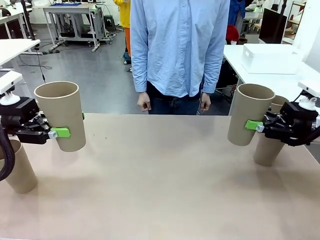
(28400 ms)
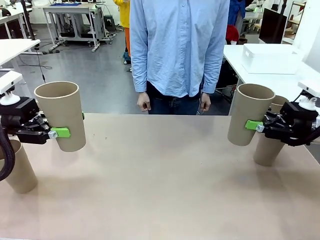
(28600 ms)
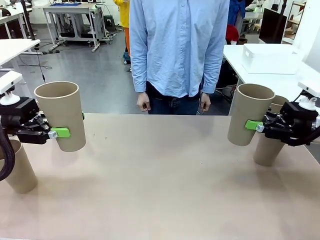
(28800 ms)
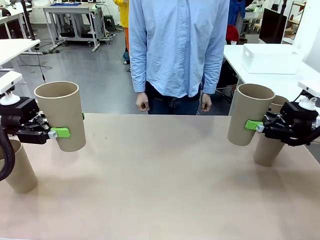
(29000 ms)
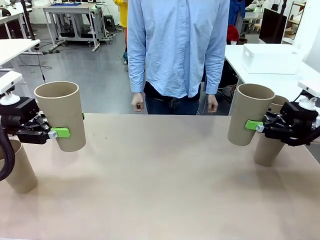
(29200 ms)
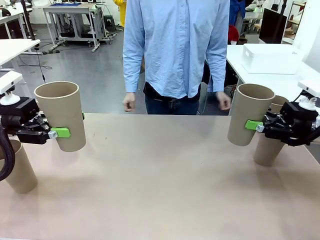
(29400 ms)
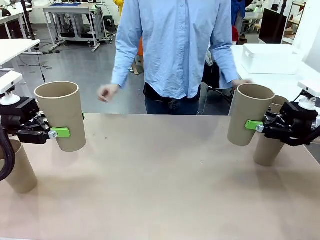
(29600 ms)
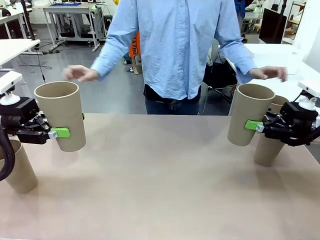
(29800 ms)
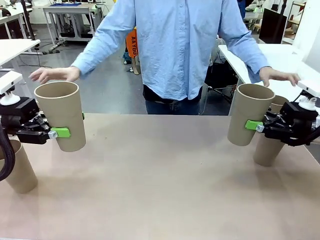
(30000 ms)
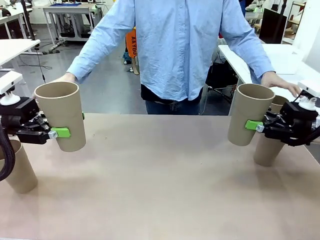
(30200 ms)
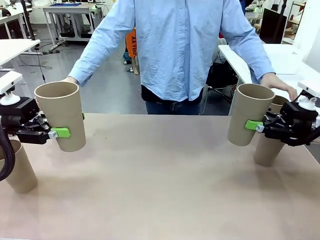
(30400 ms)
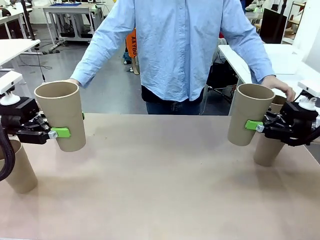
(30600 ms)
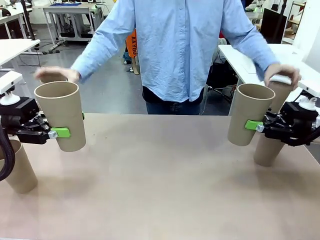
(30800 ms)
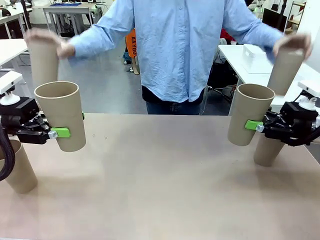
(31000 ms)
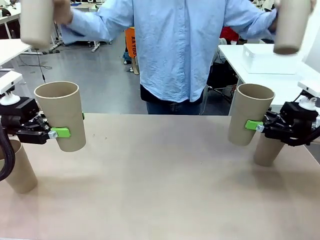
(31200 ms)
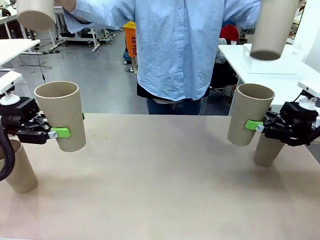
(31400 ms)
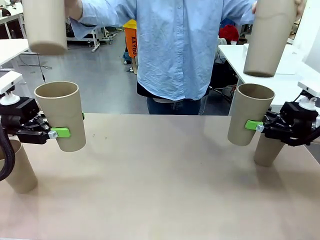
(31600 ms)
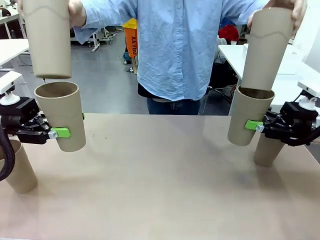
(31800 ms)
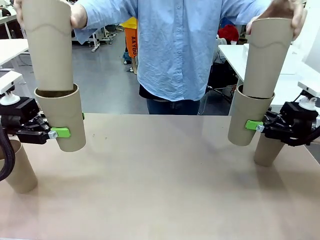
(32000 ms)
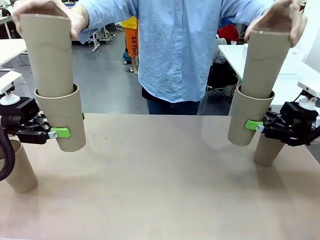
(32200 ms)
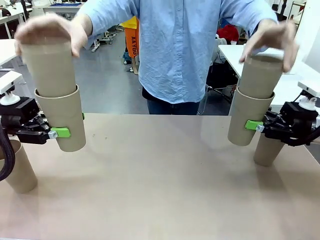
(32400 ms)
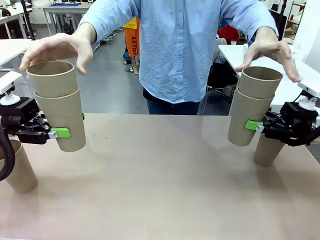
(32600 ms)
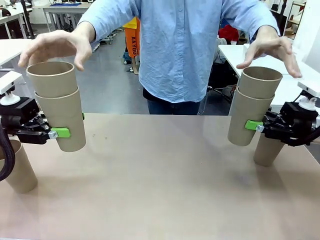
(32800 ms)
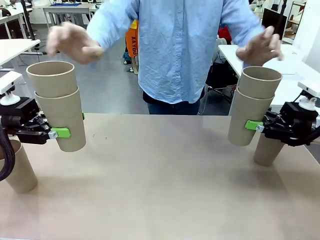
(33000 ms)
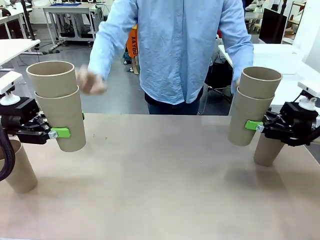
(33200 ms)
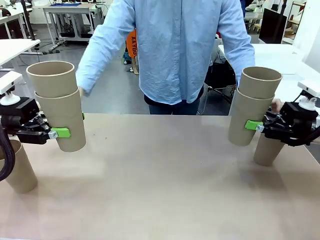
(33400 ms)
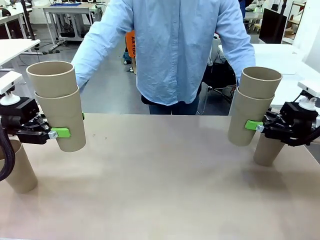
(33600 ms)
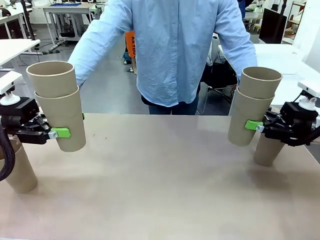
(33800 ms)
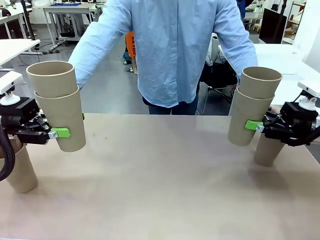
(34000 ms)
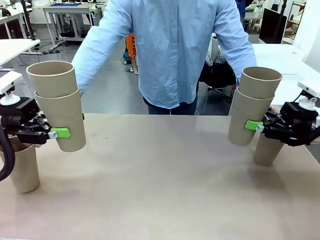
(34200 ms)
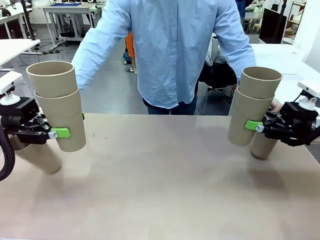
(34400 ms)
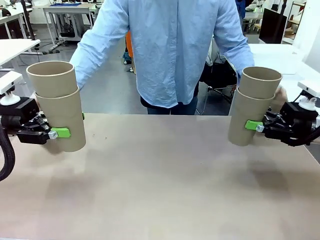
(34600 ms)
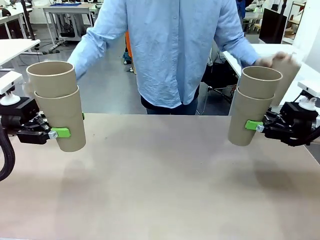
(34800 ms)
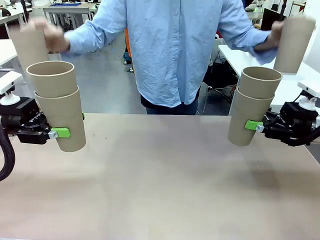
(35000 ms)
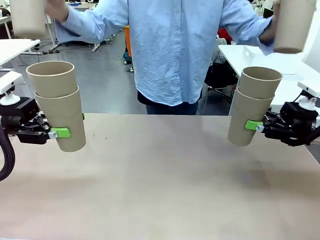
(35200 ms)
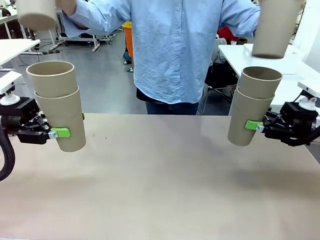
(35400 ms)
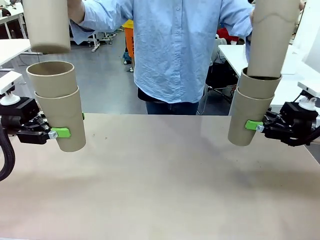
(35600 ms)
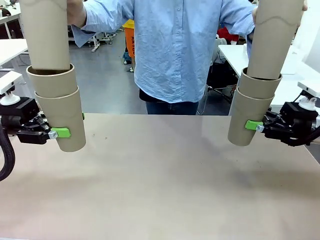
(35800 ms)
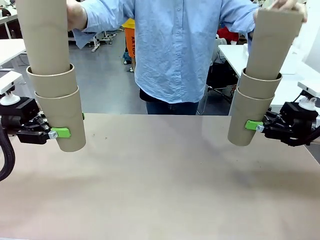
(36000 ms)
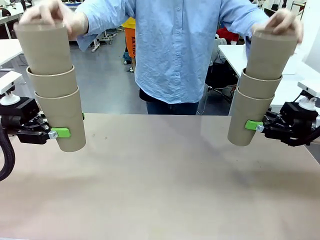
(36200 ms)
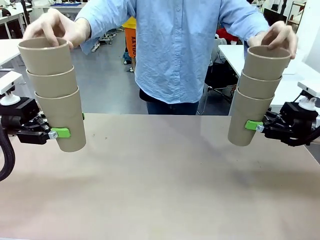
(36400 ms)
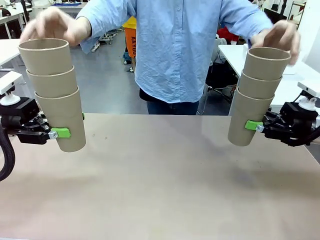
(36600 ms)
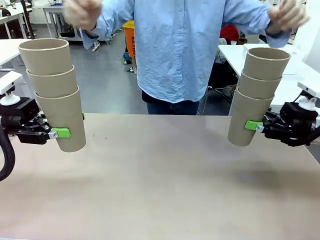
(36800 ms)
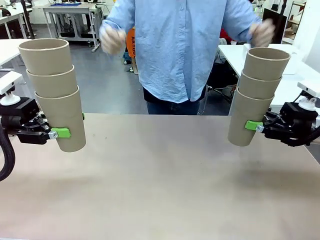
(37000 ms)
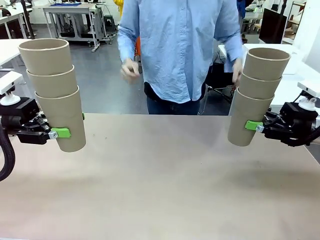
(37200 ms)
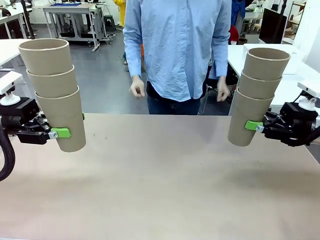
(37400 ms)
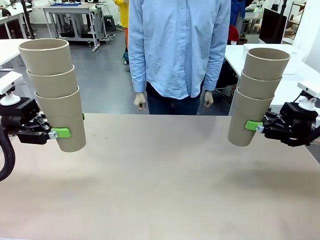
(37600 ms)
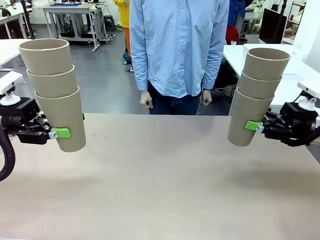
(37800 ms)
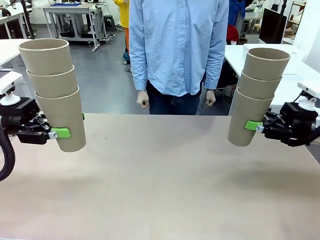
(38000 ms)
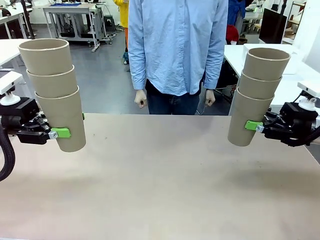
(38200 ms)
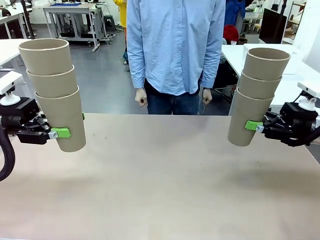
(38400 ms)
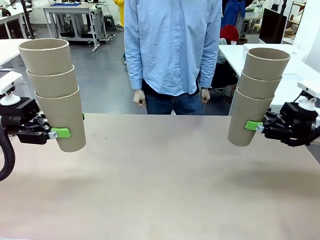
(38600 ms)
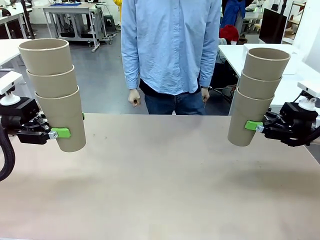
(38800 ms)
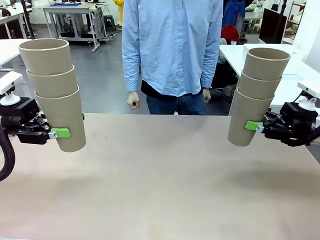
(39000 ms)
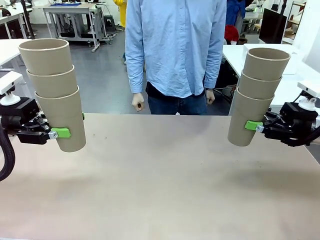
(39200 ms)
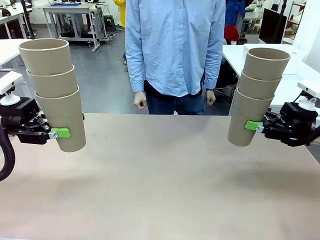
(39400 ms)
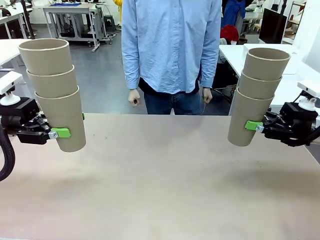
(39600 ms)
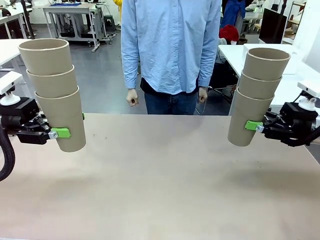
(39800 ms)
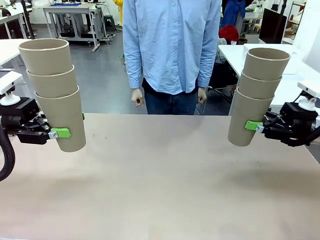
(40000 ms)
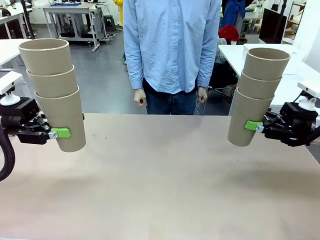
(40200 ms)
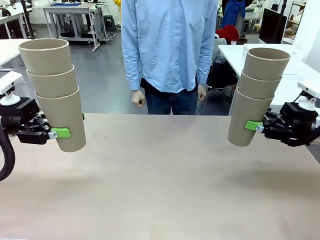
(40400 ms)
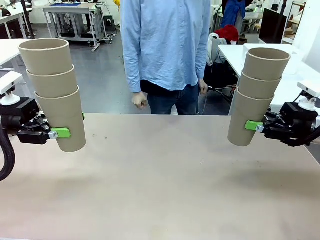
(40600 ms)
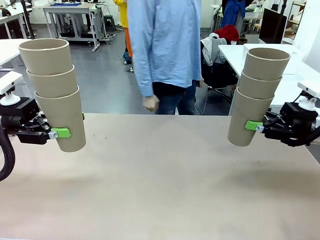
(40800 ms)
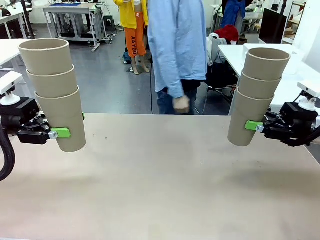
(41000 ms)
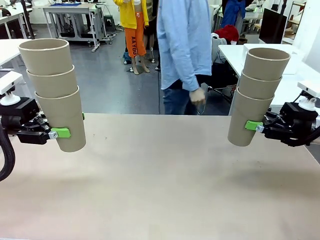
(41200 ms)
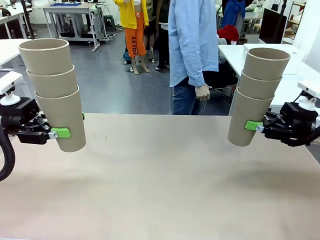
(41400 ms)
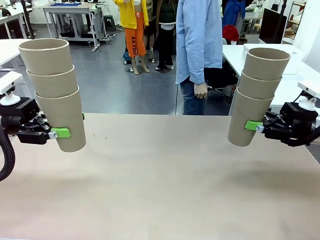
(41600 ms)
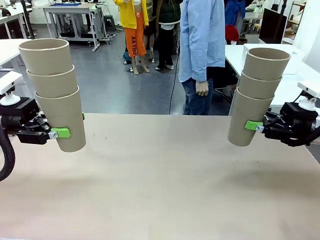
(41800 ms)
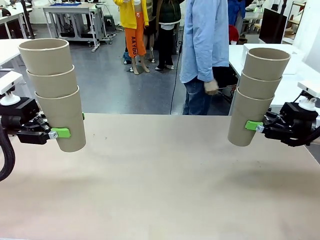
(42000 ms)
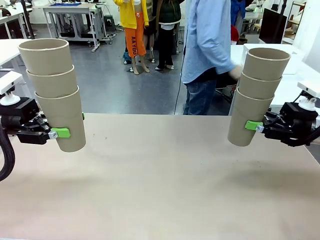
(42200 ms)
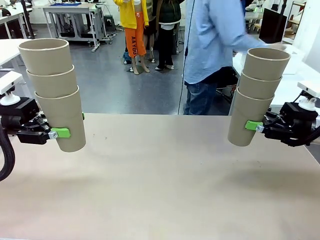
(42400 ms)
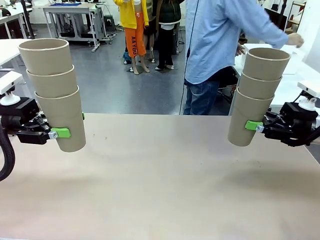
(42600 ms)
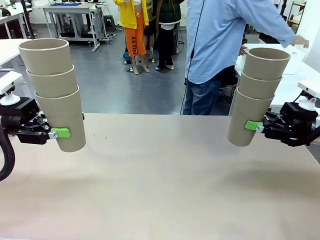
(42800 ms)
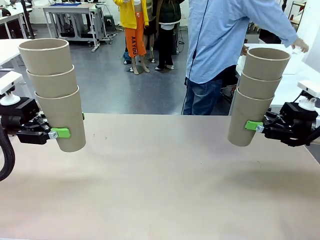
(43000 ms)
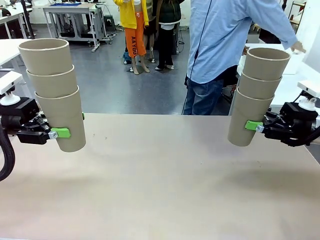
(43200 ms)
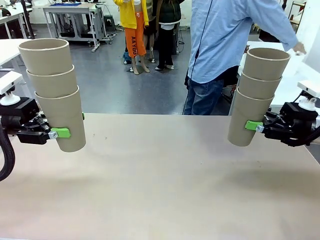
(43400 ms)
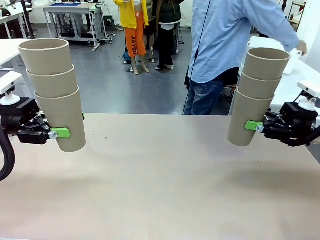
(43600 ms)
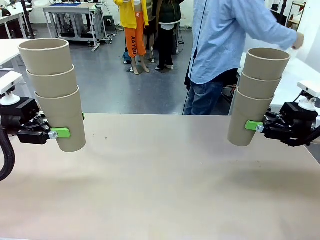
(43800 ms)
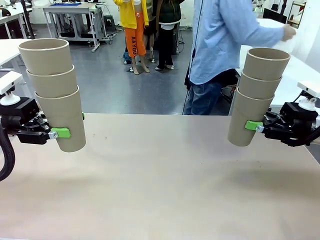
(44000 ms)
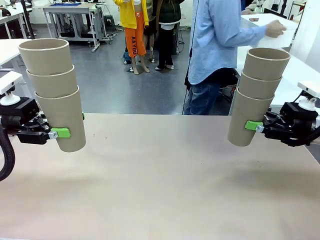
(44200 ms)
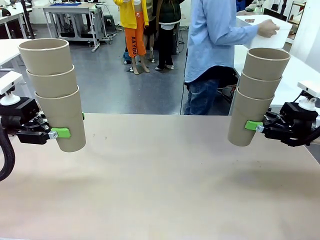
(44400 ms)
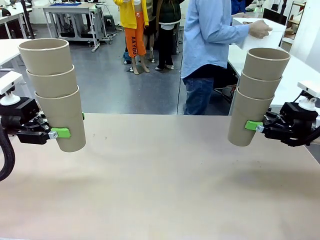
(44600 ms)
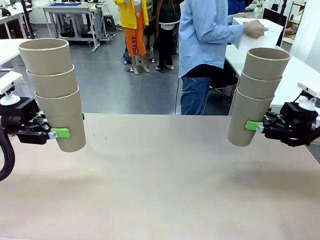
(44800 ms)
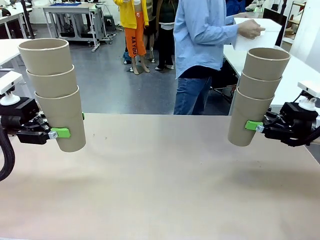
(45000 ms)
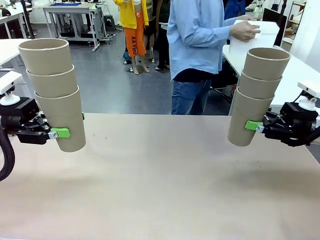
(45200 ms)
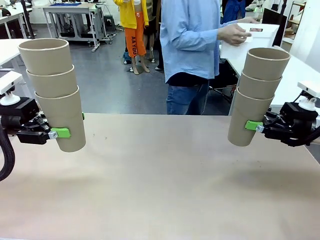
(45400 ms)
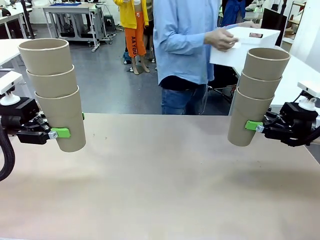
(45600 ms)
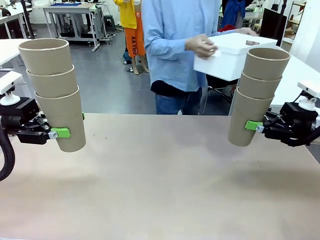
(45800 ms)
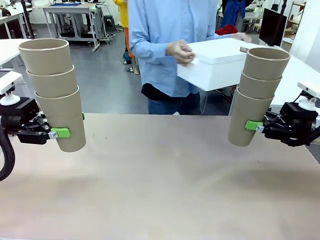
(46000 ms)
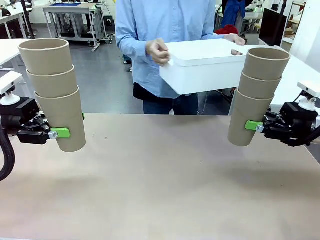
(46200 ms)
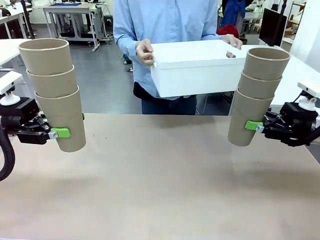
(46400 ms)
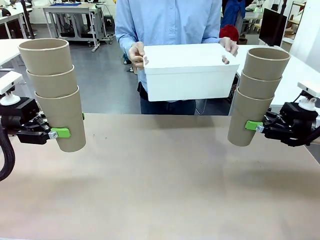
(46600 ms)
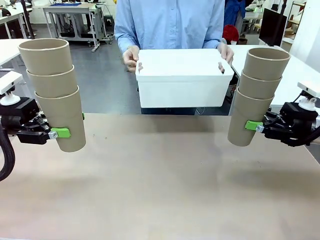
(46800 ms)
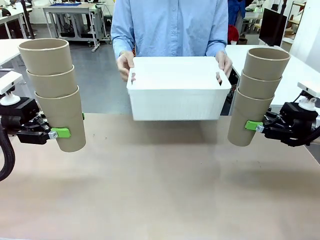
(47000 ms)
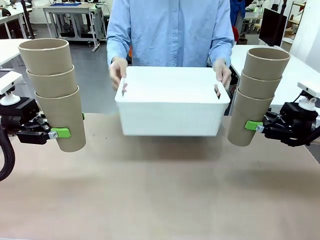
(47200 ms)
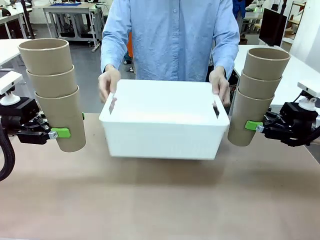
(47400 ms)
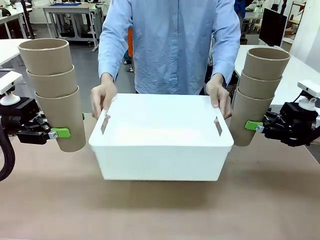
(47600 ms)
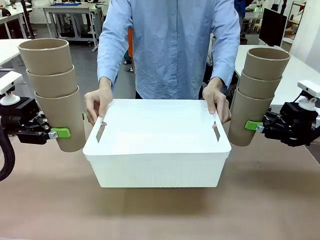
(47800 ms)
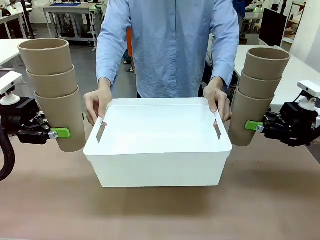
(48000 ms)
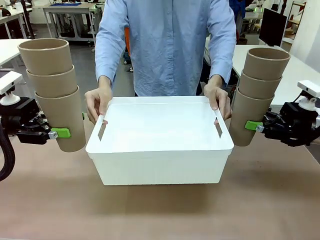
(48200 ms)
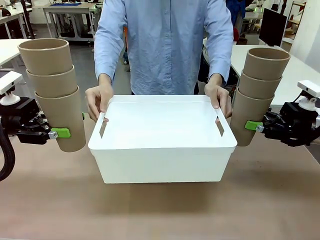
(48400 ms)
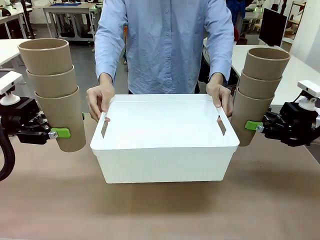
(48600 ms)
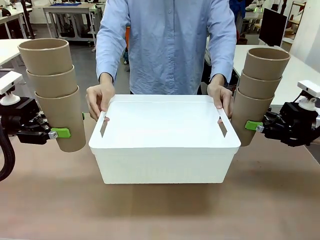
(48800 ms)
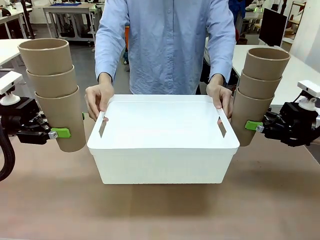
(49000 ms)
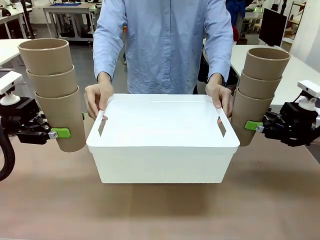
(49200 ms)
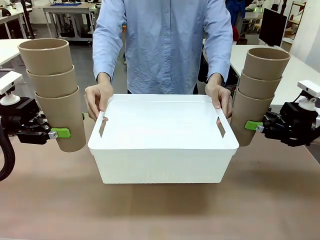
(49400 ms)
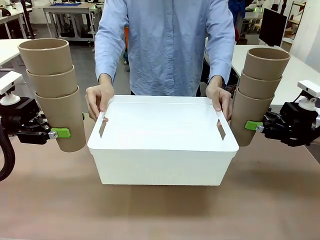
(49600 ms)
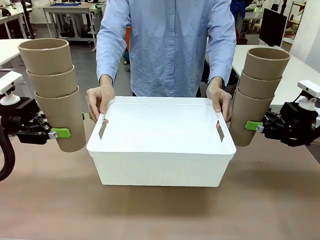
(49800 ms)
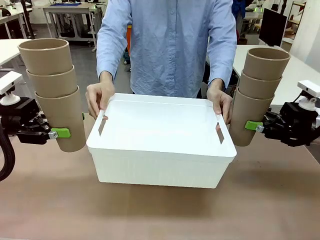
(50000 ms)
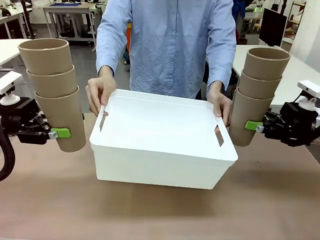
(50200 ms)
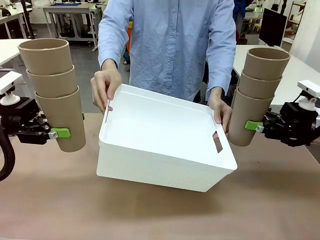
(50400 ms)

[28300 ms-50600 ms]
Task: Stack the cups and store them in the basket.
Robot: Place the stack of Reusable plastic cups into the Pantry Basket.
Person: Pick up the basket from the Human Table, bring it to the front of the robot, and present it.
